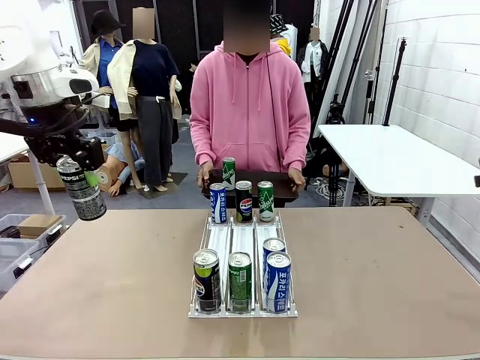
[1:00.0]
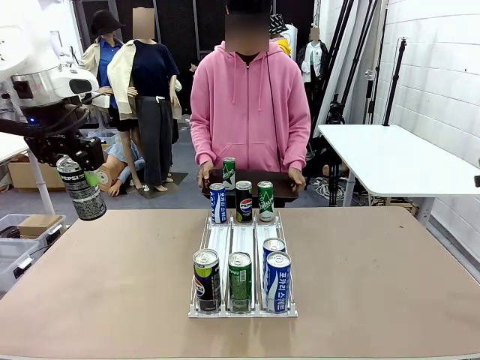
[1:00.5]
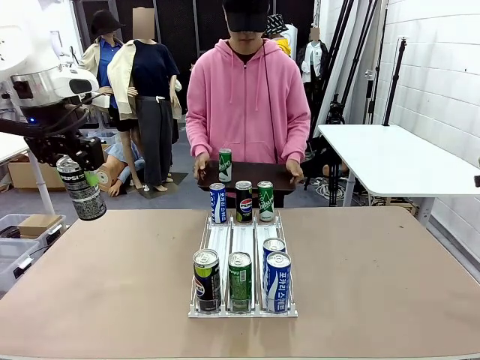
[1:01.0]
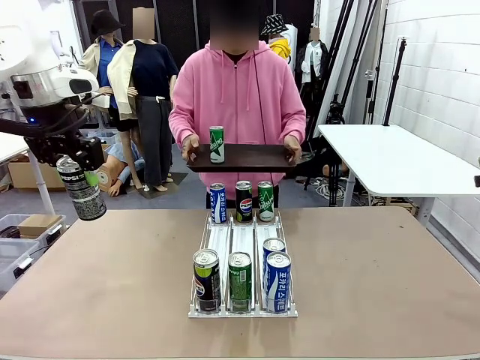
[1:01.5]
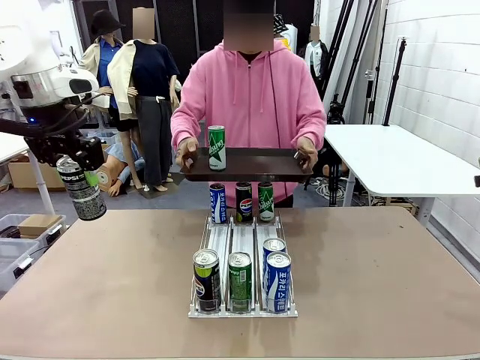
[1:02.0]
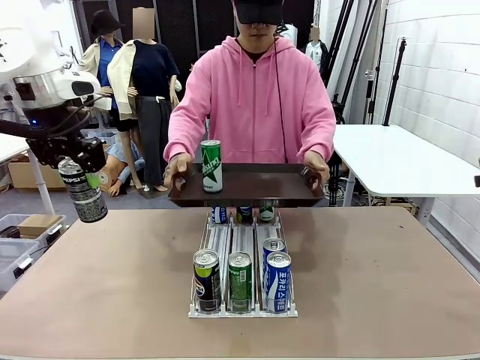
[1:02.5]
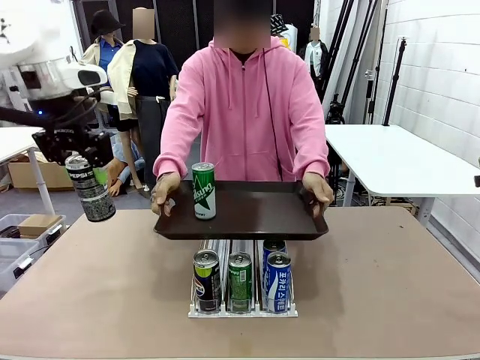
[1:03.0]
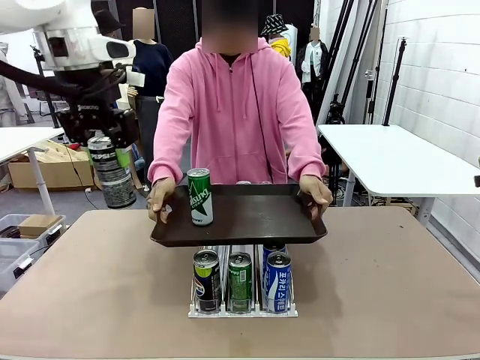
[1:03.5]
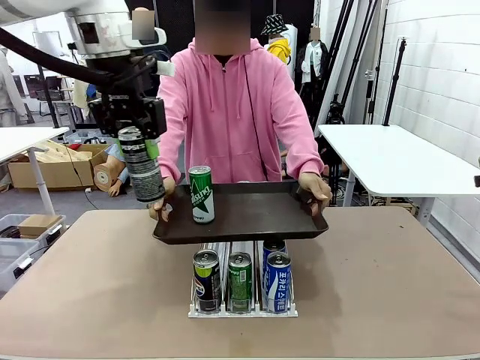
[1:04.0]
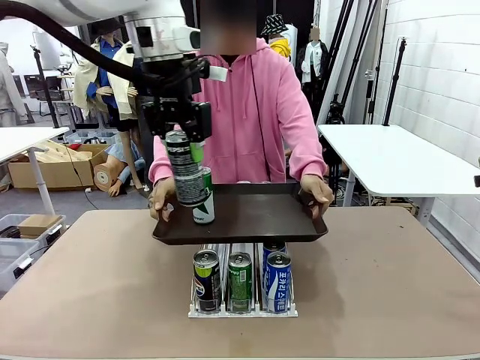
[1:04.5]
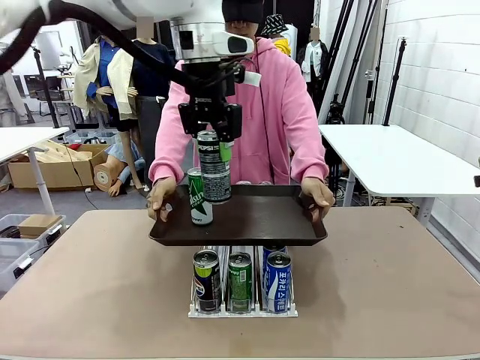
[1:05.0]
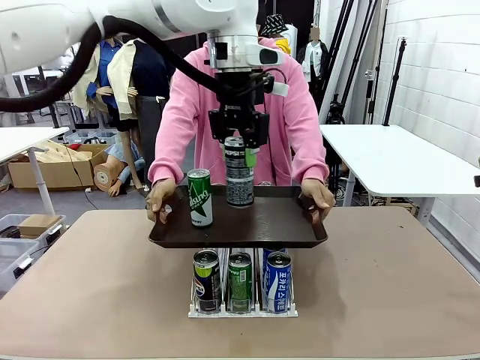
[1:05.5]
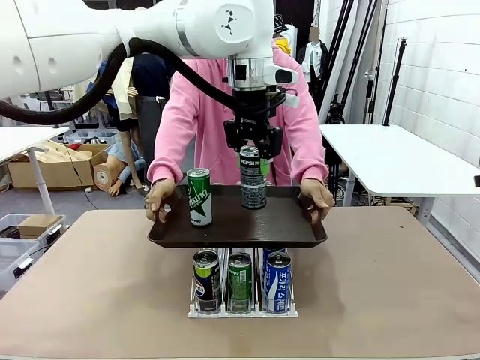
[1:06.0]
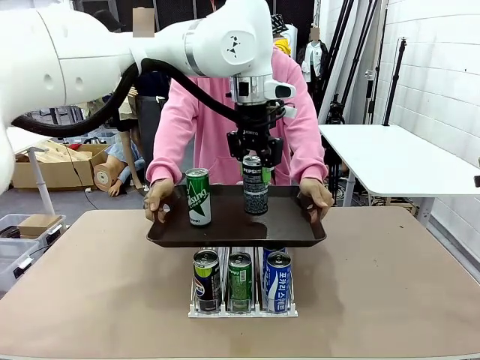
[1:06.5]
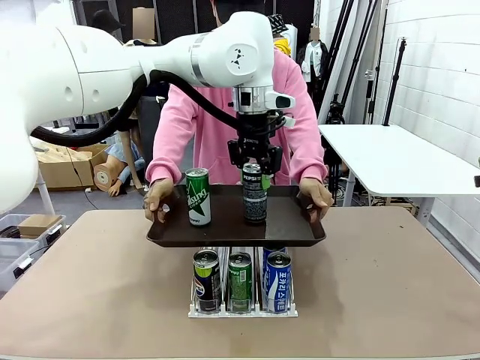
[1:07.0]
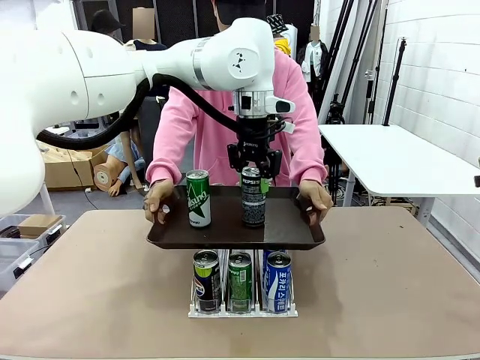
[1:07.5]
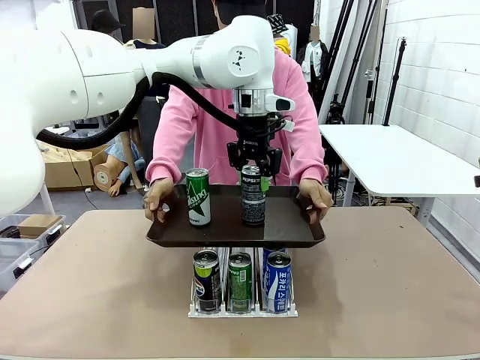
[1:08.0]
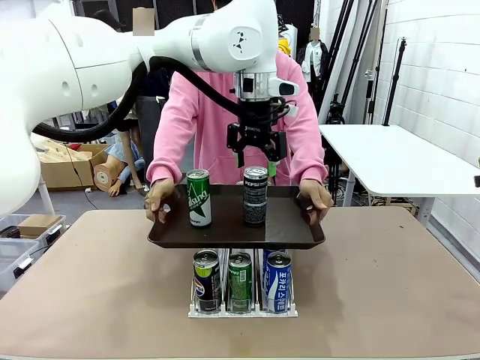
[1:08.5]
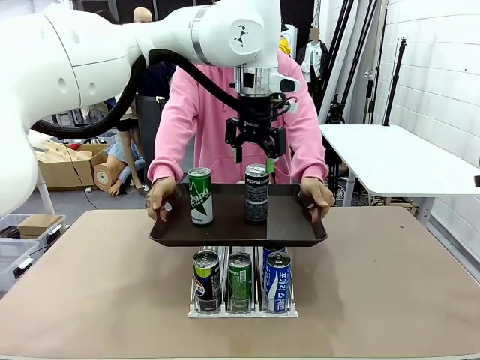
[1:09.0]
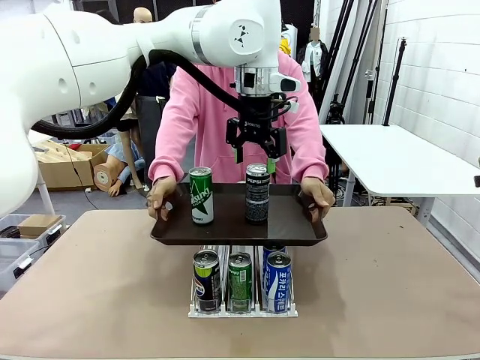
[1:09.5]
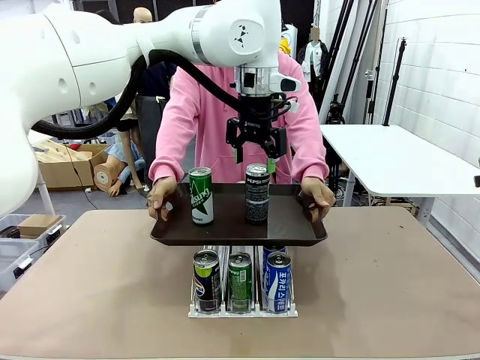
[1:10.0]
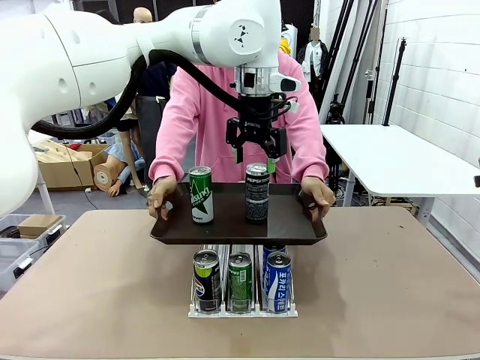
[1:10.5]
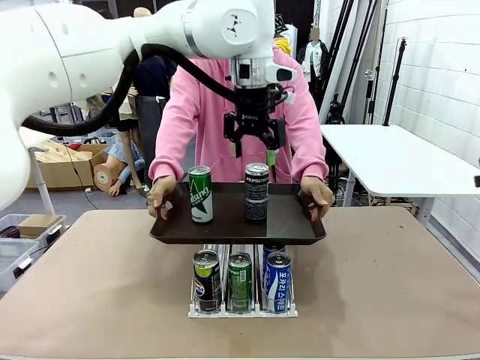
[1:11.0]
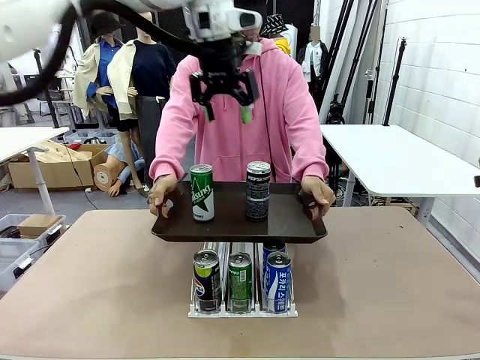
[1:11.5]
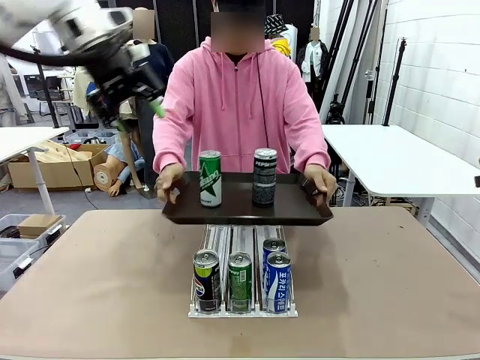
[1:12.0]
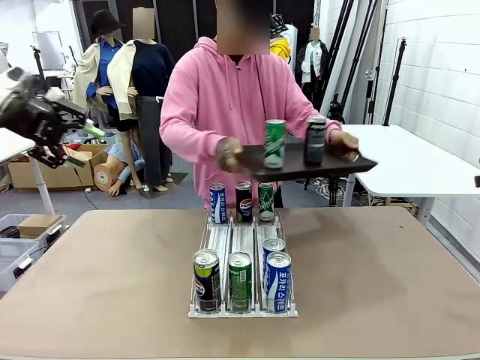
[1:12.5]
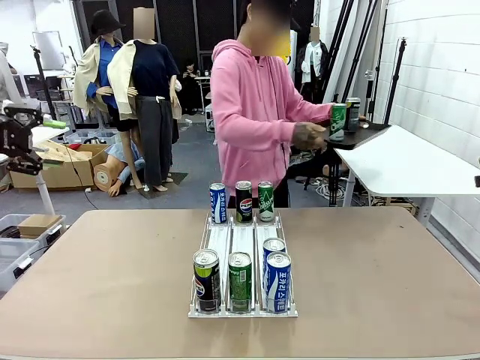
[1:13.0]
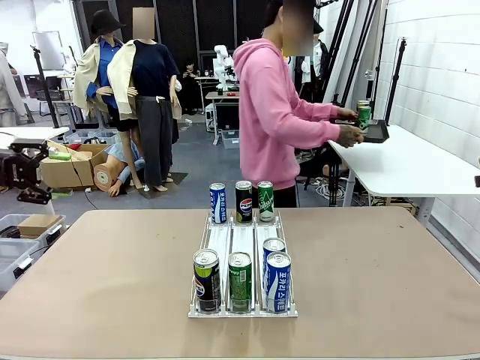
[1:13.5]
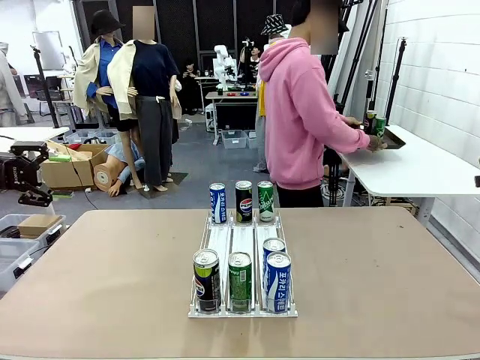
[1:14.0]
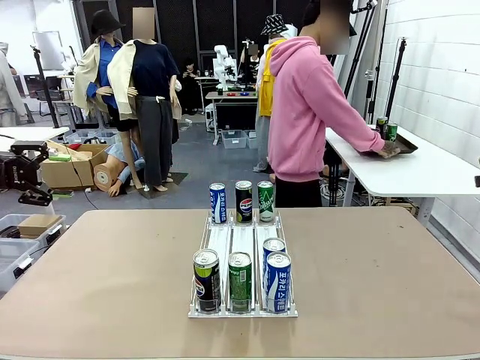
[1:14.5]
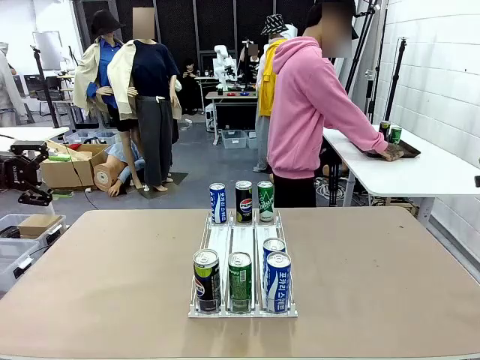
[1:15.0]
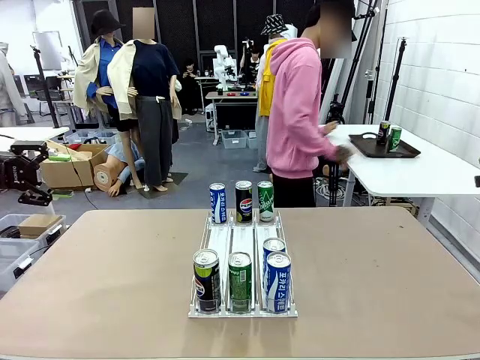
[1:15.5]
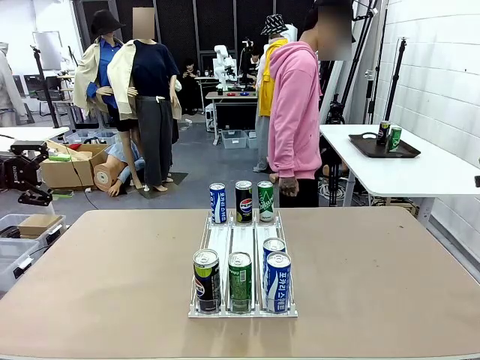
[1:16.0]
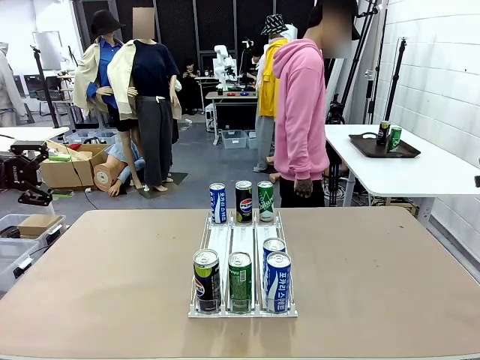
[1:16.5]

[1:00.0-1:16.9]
Task: Retrieve and hand over the desired beverage to the person.
Robot: Place the picked can on the Handle tray extended by the person.
Person: Pull the tray back and place it at the center of the human table.

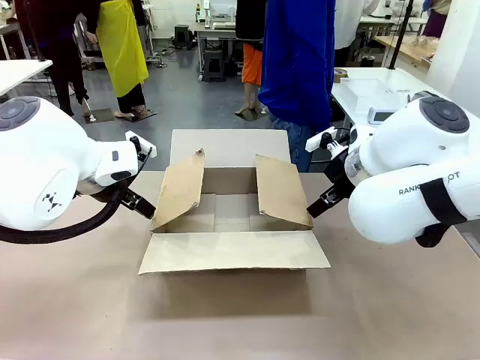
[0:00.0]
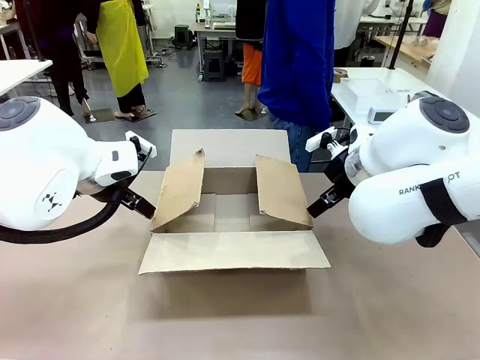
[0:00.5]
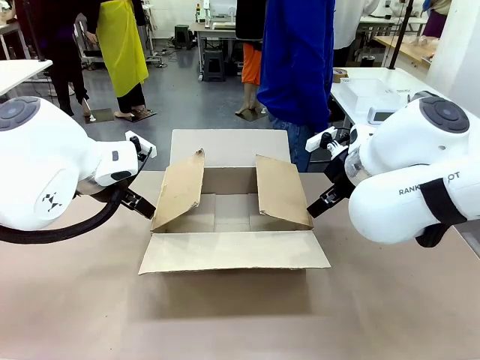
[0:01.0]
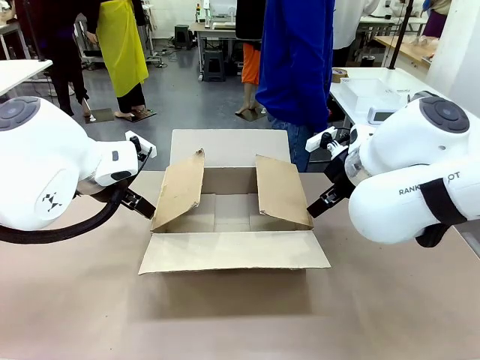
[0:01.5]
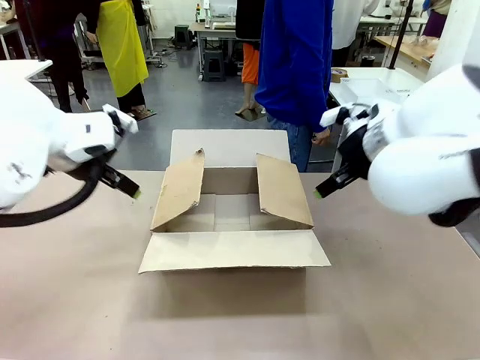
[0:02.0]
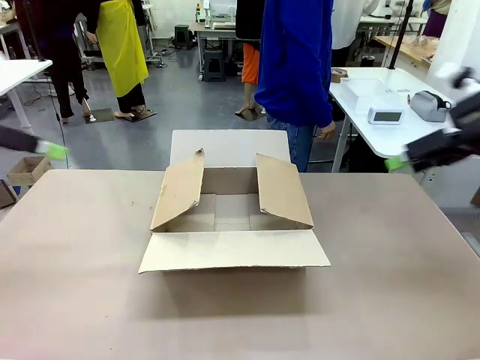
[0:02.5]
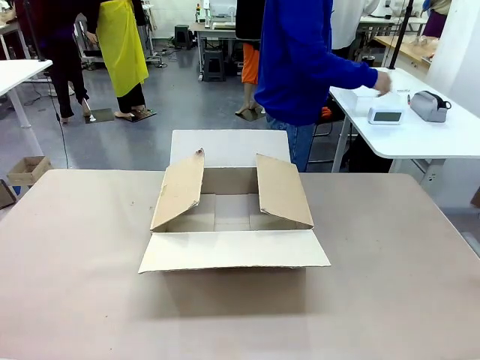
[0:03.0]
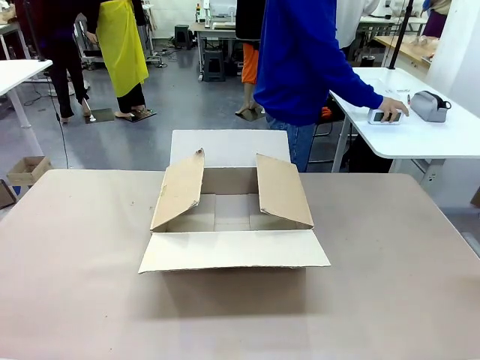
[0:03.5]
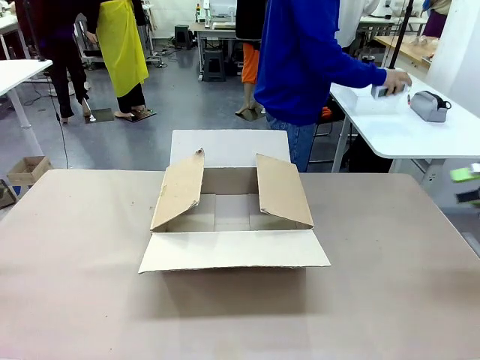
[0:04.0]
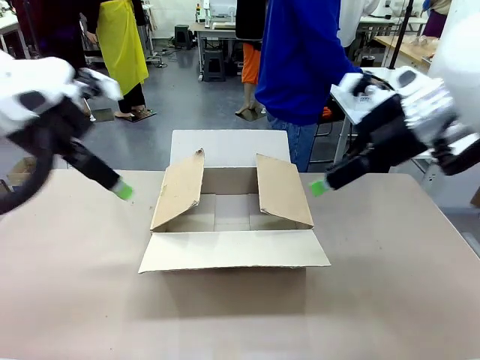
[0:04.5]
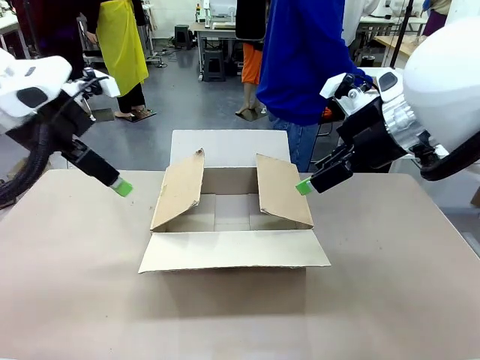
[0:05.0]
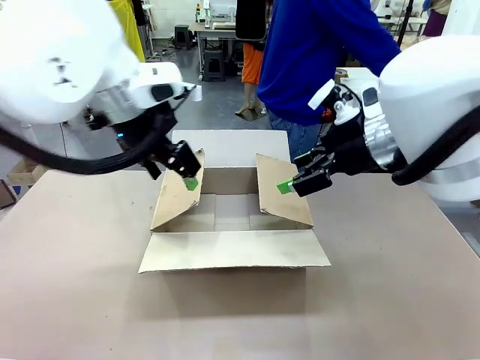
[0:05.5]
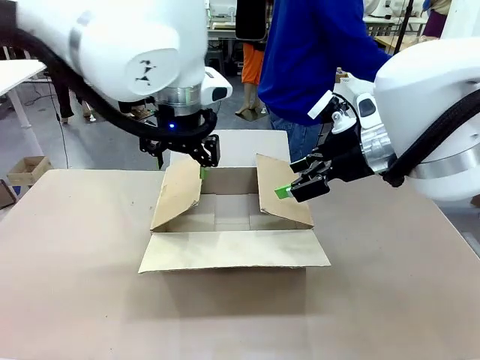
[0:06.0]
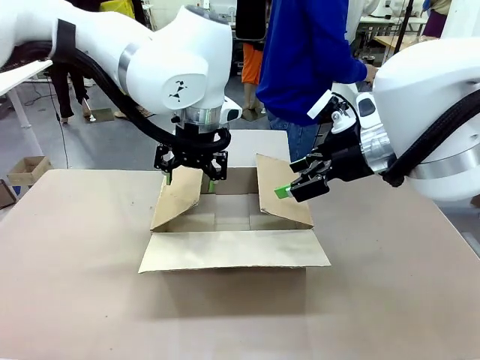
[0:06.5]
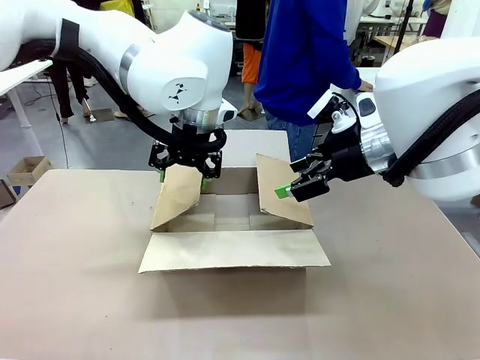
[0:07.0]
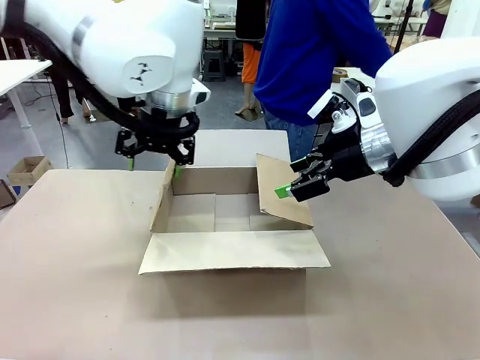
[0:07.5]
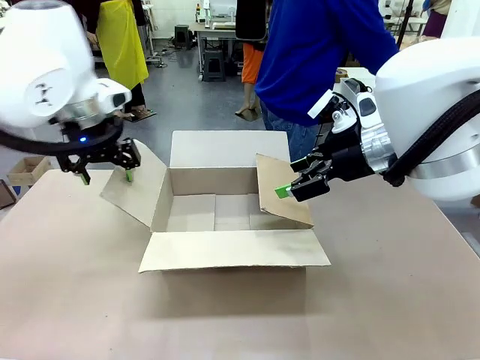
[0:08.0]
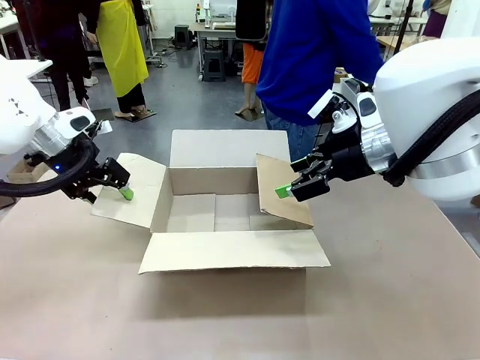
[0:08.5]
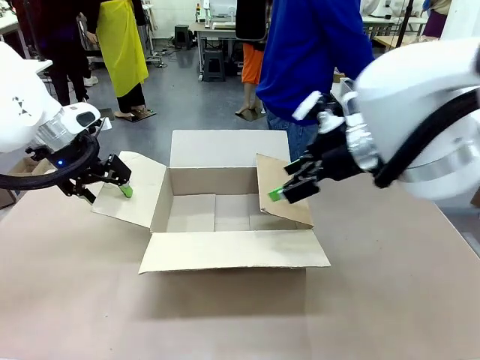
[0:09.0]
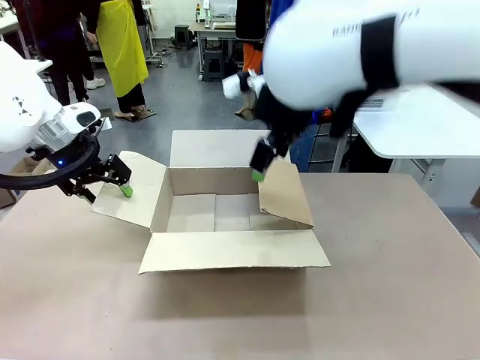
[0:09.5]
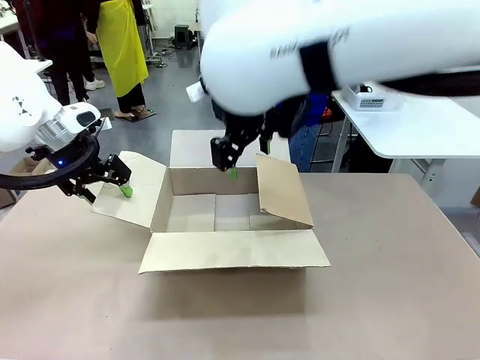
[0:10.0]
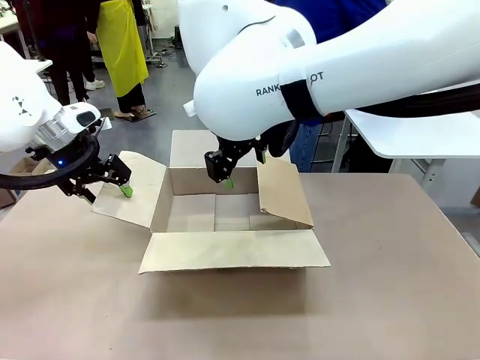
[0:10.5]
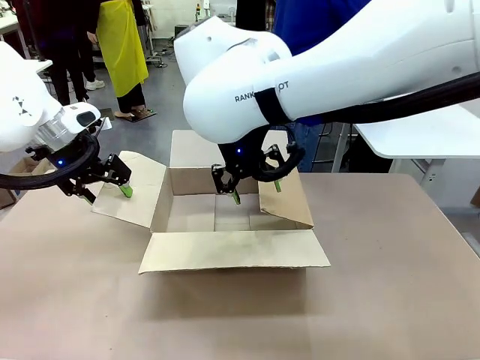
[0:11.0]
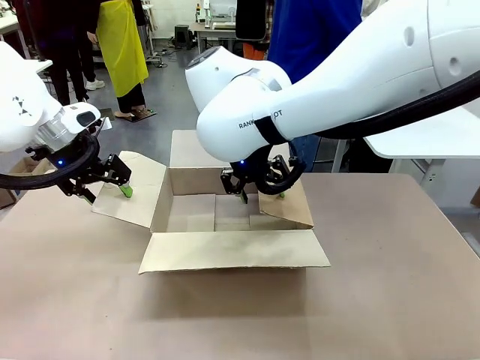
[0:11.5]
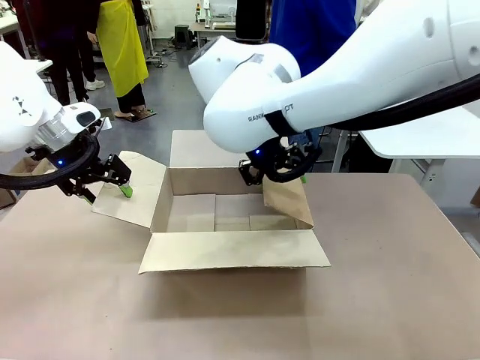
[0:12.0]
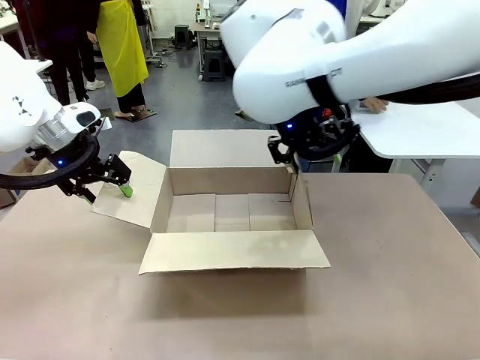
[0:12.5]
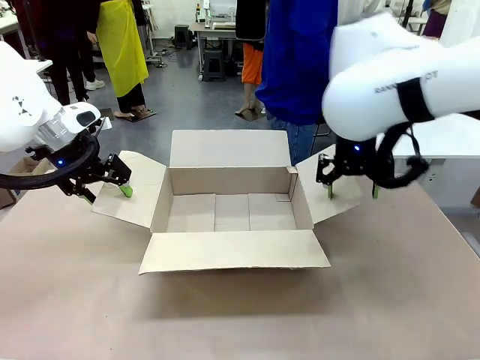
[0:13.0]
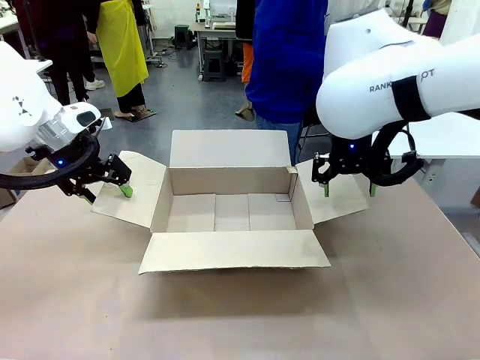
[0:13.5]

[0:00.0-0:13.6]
Task: Pack the gift set into the box.
Robot: Place both hands on the side flaps of the Package Box and spread them outward.
Person: The human places all items except the paper tape into the organizing basket.
